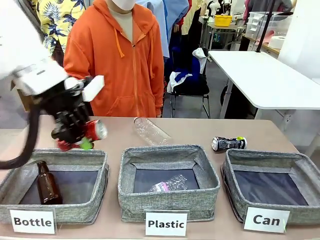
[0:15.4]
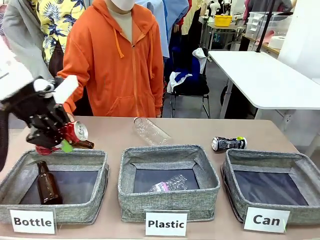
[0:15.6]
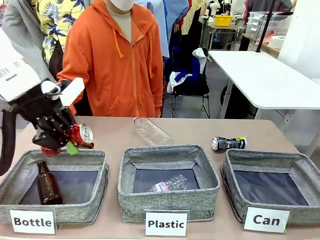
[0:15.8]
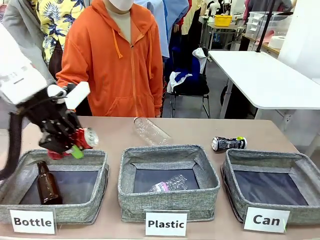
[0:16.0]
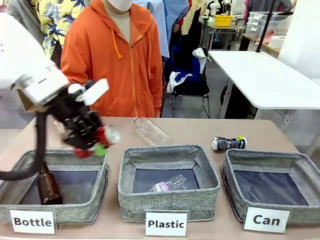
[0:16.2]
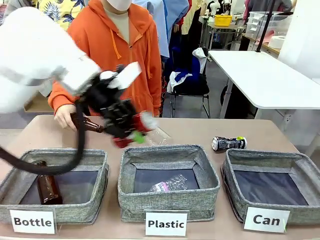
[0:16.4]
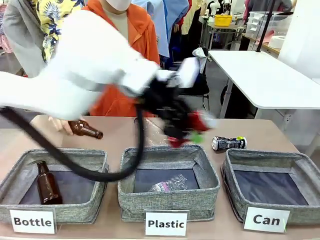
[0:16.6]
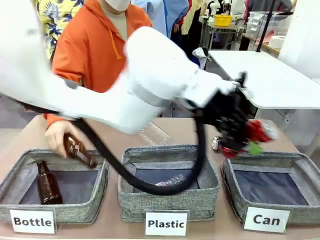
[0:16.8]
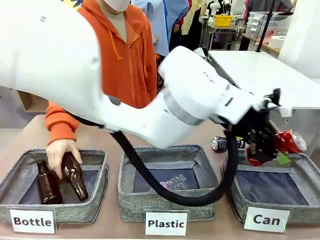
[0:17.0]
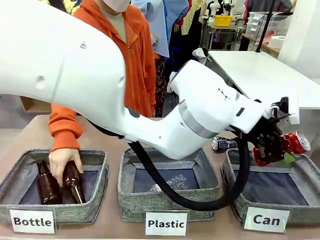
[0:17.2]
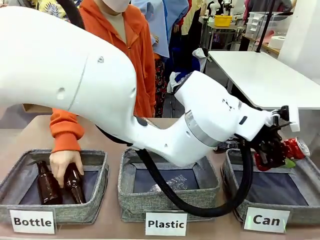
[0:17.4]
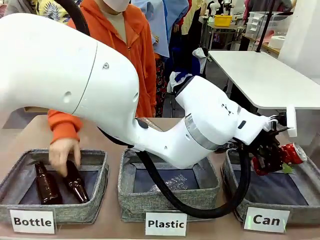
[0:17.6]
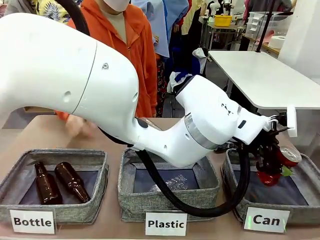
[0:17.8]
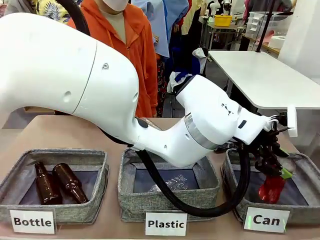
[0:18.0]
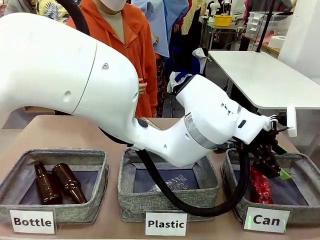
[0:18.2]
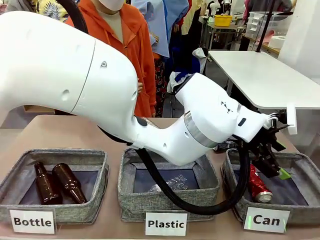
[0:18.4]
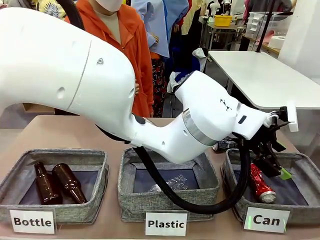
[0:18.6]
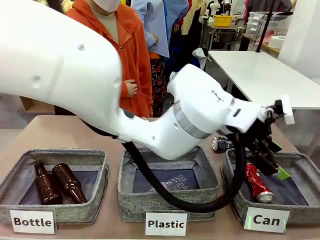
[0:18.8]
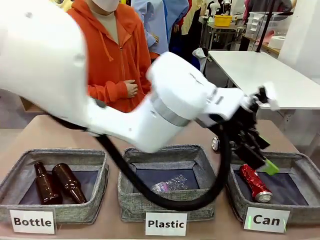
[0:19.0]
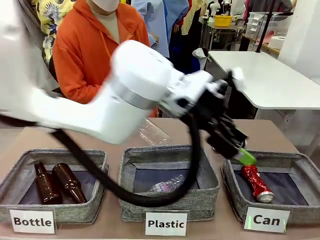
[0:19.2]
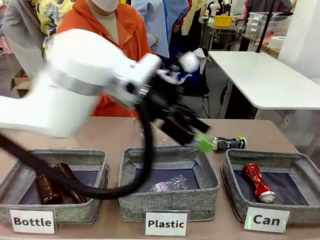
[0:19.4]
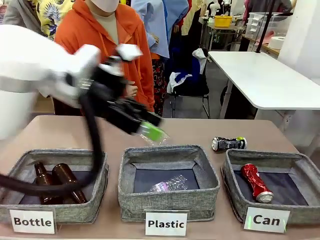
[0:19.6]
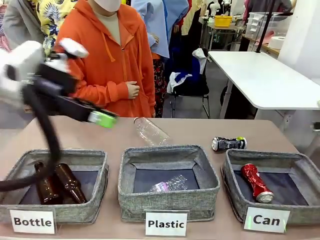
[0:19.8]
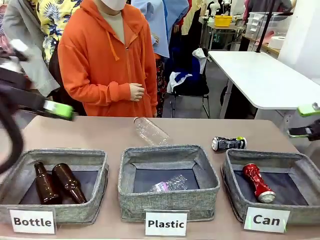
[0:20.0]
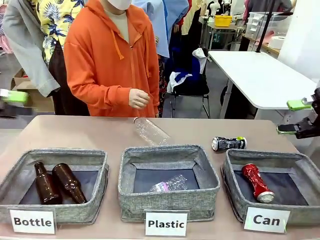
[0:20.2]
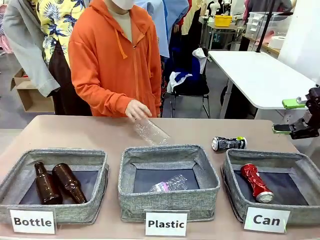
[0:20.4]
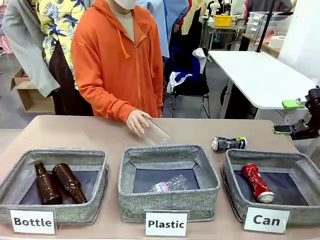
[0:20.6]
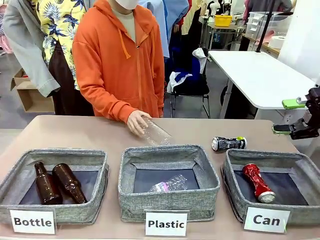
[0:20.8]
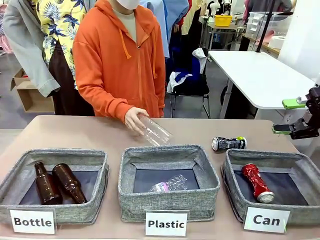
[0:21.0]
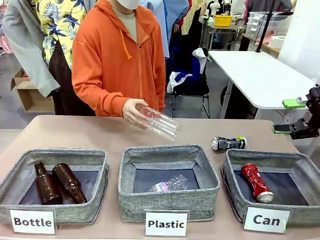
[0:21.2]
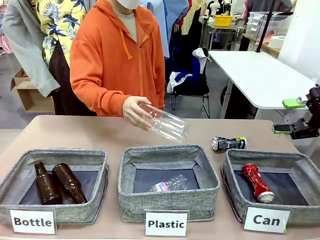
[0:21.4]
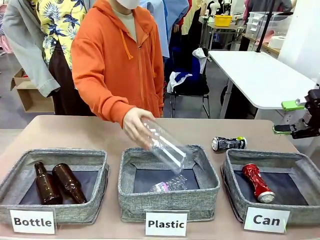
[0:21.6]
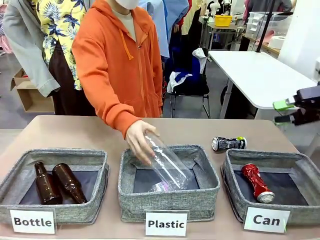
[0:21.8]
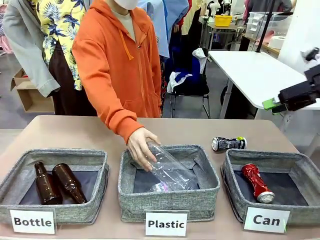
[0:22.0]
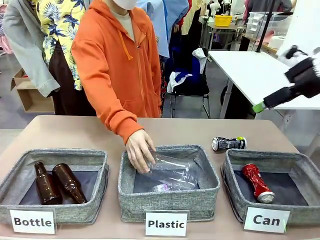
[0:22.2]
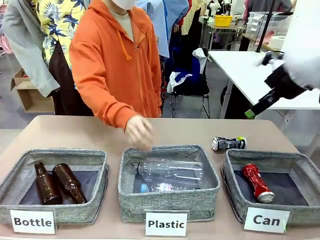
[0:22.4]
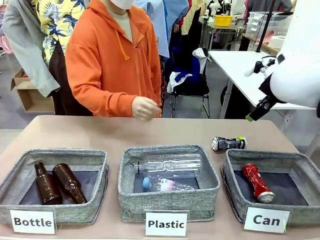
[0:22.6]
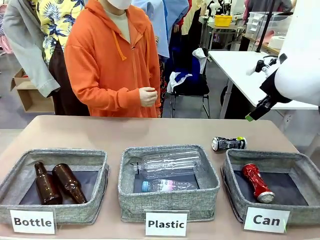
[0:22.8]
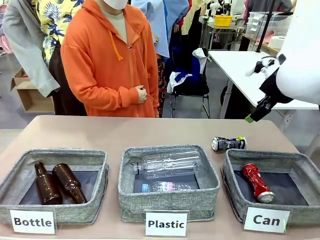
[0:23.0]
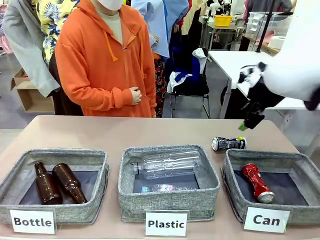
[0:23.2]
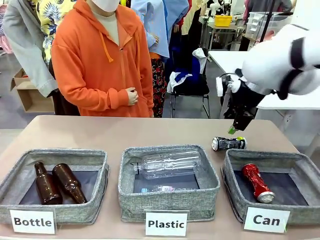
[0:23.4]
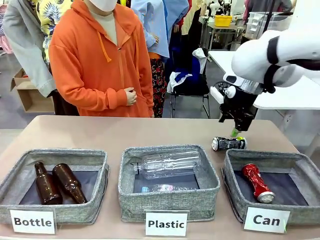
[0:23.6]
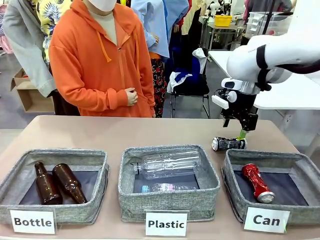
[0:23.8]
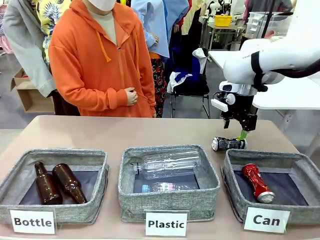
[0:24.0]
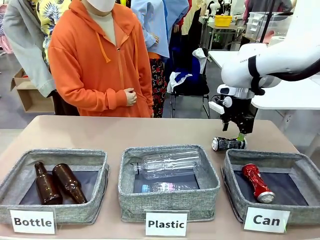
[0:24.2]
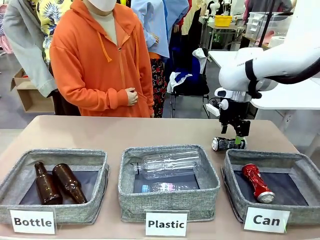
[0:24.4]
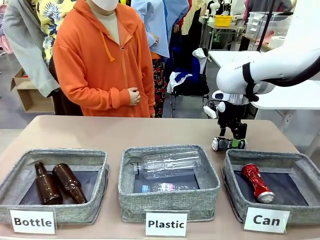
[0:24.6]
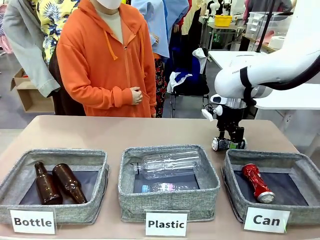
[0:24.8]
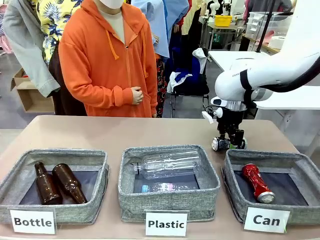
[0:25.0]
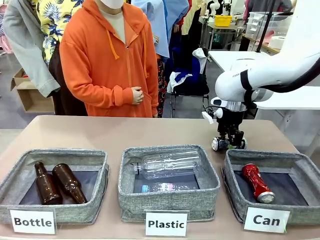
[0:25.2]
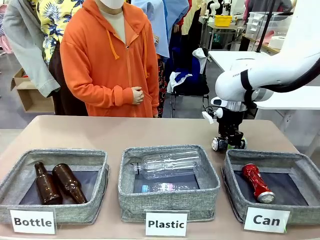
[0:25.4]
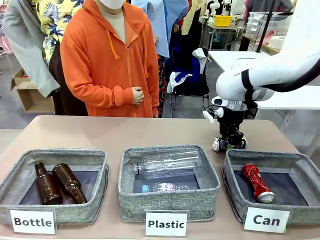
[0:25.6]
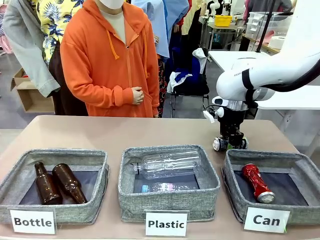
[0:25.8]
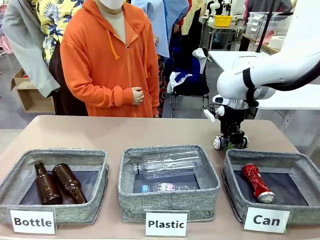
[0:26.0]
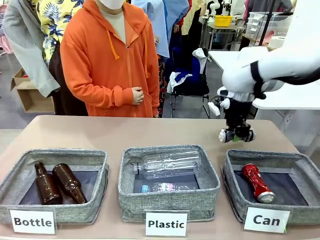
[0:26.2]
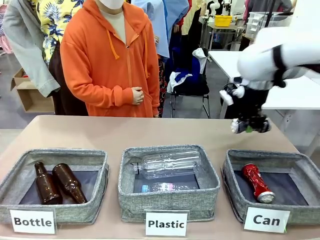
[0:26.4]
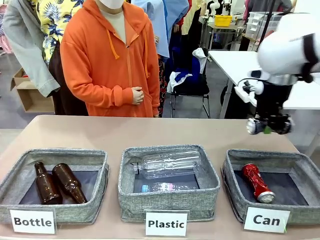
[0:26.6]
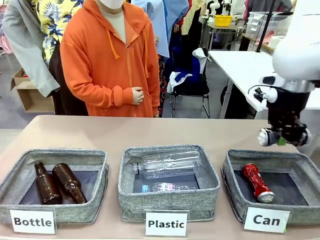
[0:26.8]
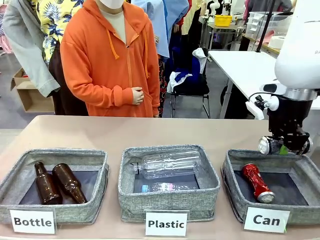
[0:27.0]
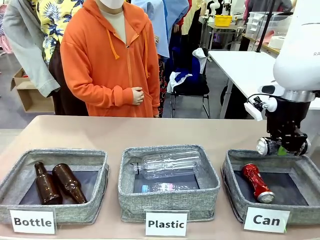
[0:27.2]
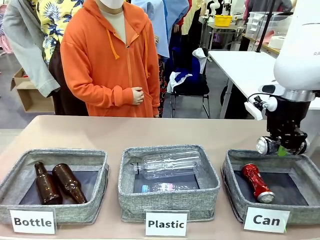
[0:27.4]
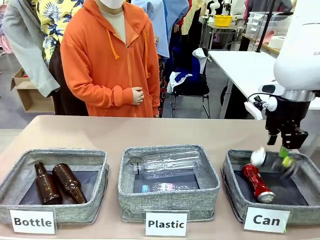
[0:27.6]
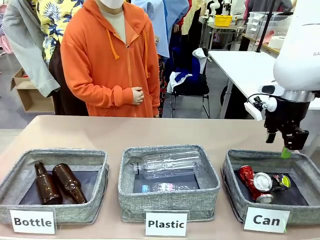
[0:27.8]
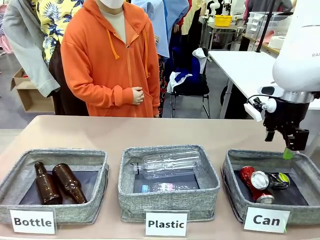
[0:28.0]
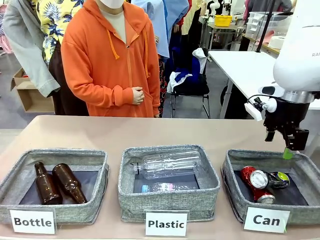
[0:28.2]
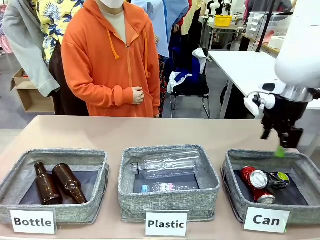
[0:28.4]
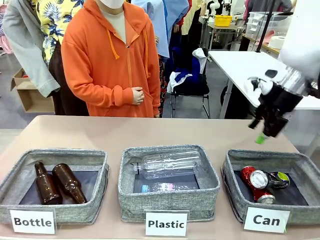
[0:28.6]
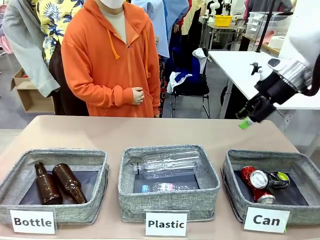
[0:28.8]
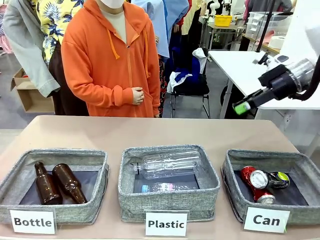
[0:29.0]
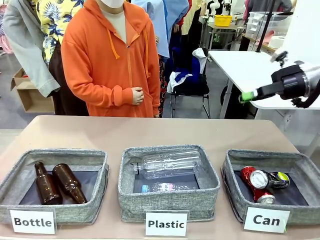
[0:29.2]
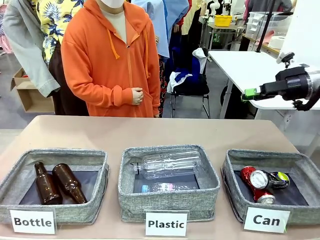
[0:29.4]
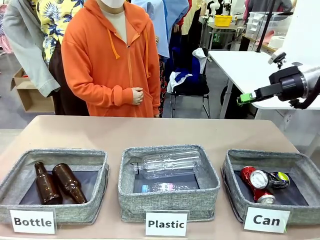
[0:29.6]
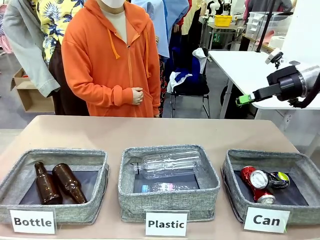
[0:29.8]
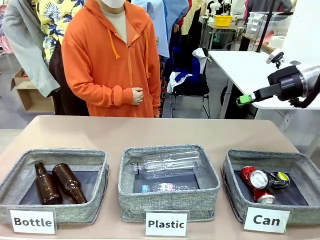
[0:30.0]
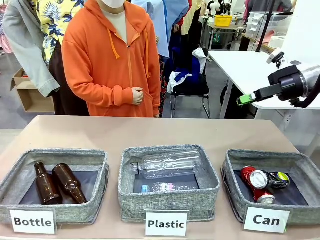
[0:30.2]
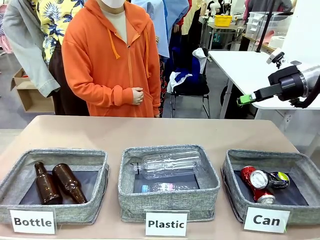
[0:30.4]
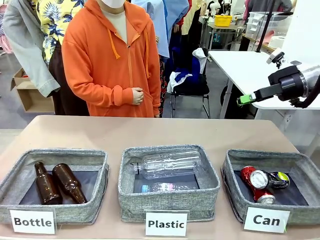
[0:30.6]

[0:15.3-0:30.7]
Task: Sort the can waste into the basket.
Robot: Pick up the can waste from the table and place it in the right Fabric basket.
Person: The human picks up one piece of trash that is not a can and places the trash into the appropriate organizing basket.
